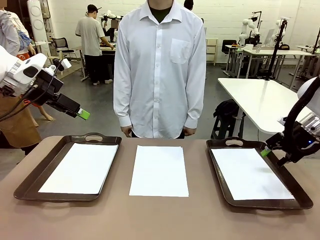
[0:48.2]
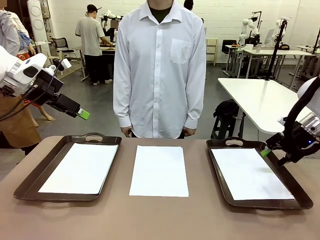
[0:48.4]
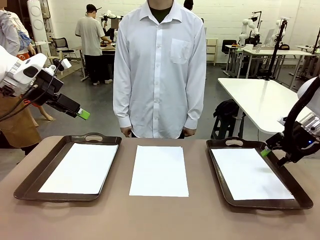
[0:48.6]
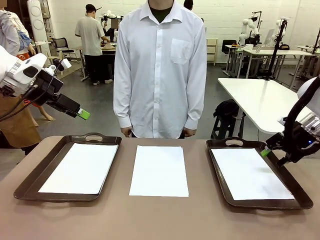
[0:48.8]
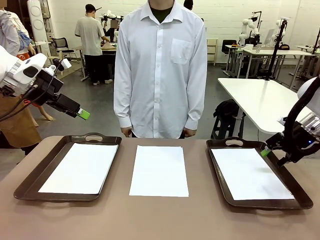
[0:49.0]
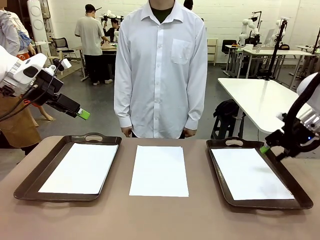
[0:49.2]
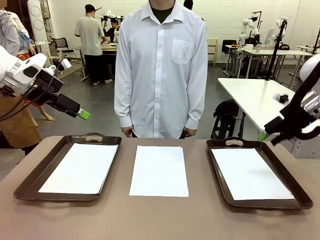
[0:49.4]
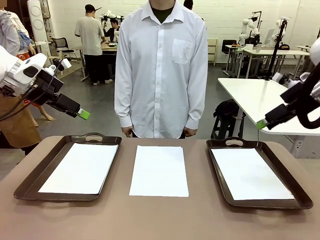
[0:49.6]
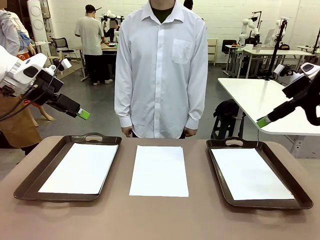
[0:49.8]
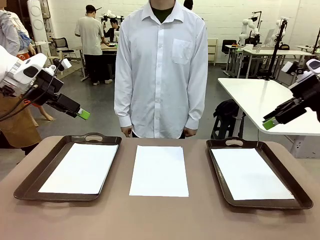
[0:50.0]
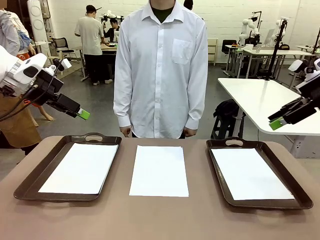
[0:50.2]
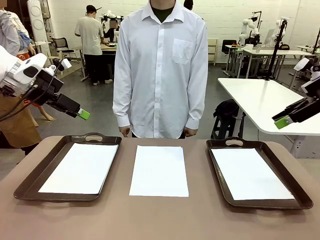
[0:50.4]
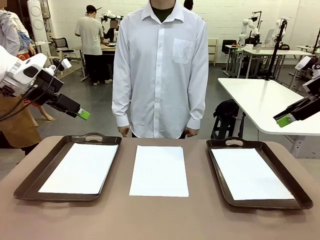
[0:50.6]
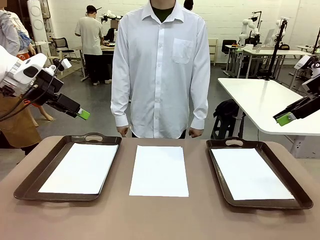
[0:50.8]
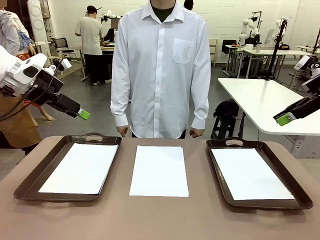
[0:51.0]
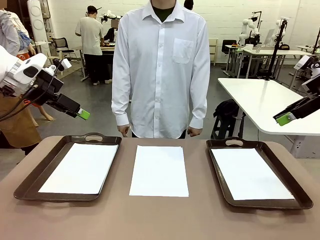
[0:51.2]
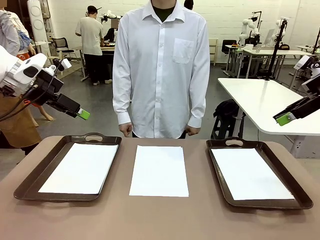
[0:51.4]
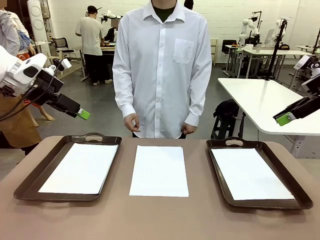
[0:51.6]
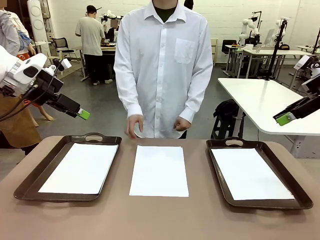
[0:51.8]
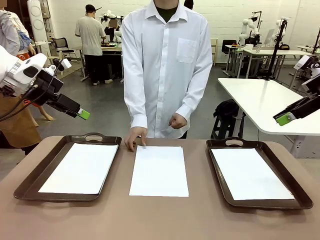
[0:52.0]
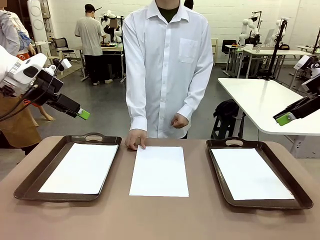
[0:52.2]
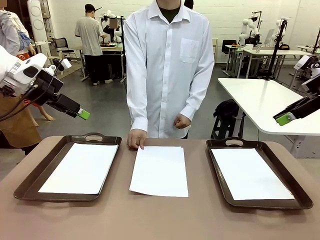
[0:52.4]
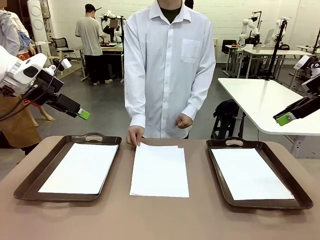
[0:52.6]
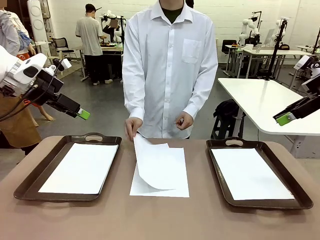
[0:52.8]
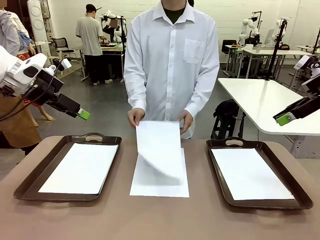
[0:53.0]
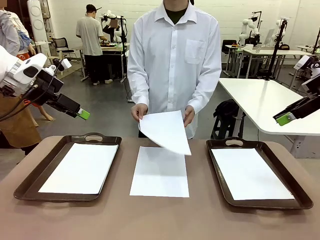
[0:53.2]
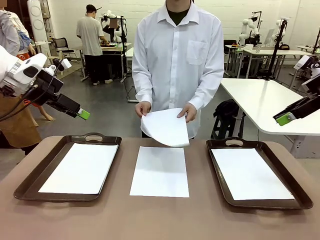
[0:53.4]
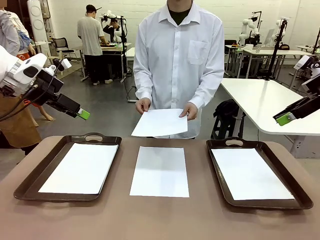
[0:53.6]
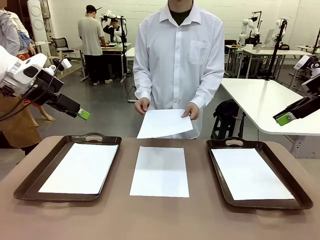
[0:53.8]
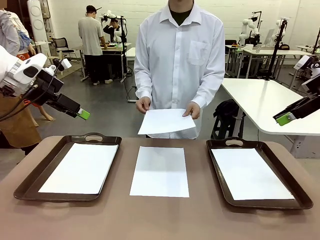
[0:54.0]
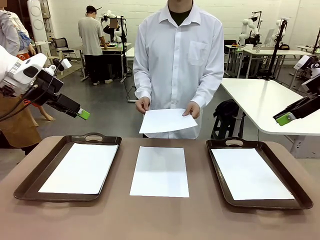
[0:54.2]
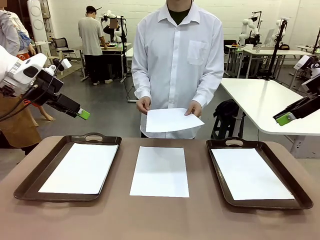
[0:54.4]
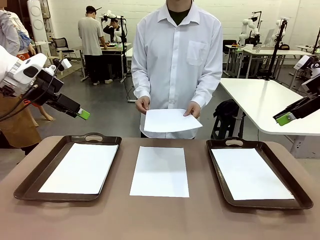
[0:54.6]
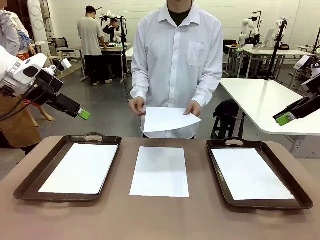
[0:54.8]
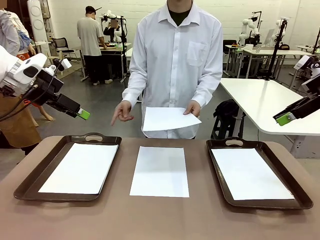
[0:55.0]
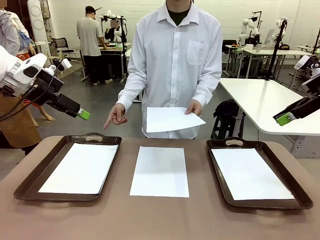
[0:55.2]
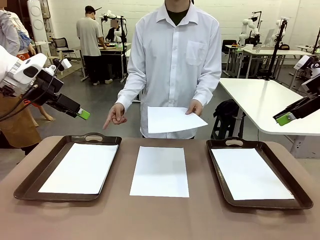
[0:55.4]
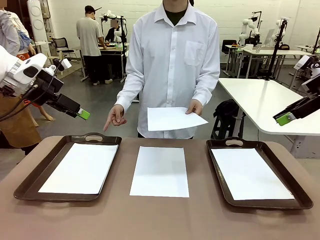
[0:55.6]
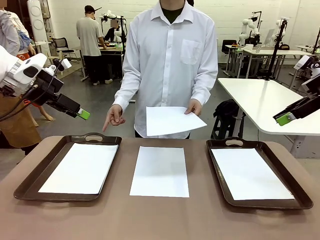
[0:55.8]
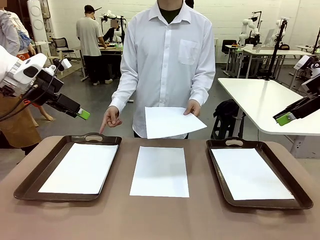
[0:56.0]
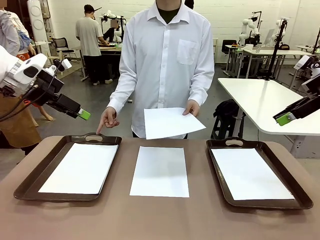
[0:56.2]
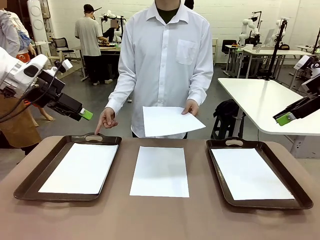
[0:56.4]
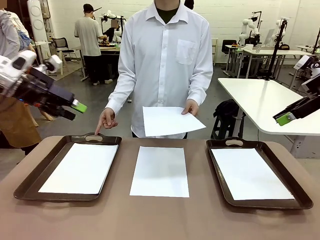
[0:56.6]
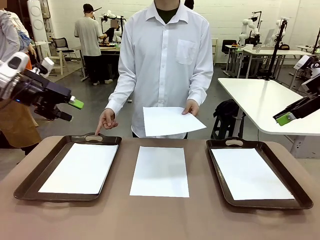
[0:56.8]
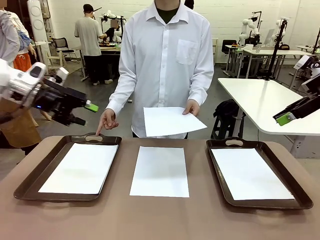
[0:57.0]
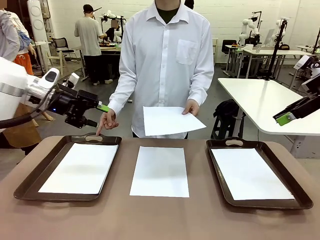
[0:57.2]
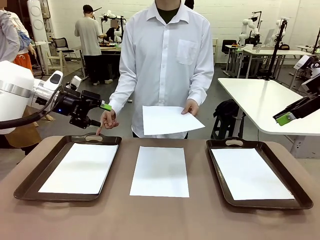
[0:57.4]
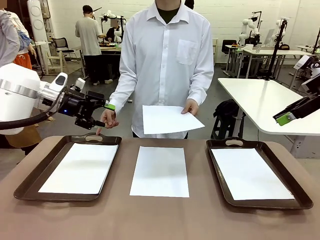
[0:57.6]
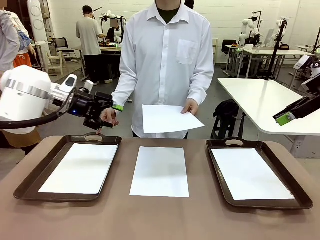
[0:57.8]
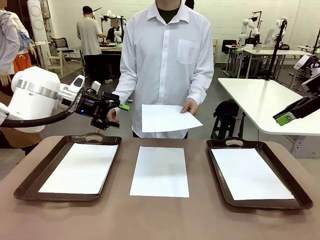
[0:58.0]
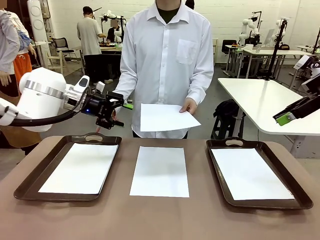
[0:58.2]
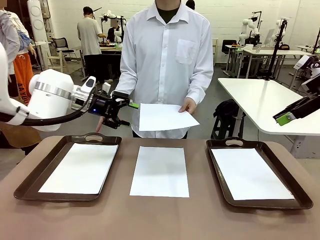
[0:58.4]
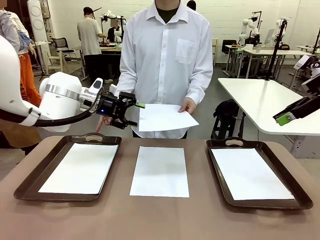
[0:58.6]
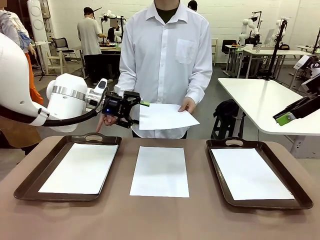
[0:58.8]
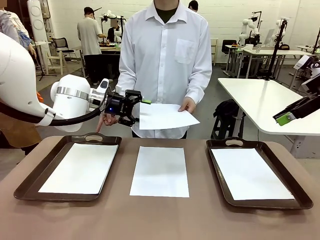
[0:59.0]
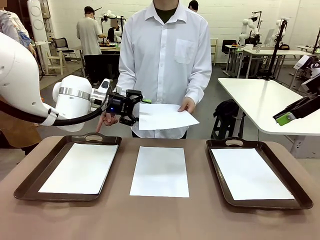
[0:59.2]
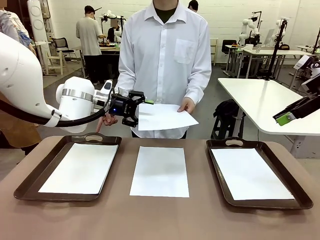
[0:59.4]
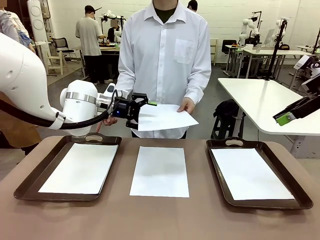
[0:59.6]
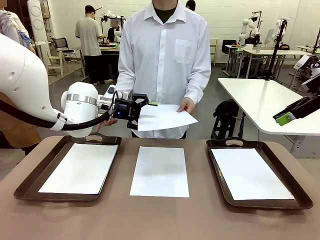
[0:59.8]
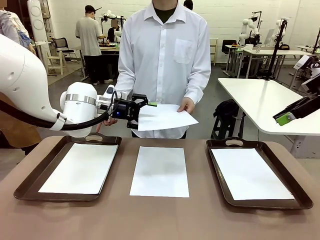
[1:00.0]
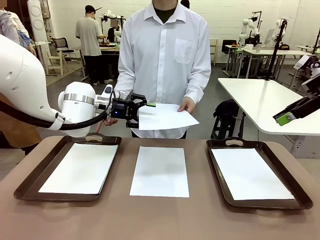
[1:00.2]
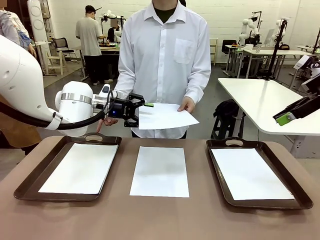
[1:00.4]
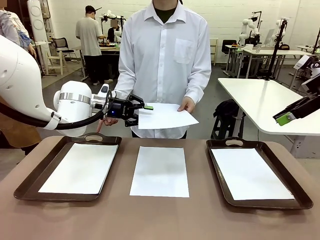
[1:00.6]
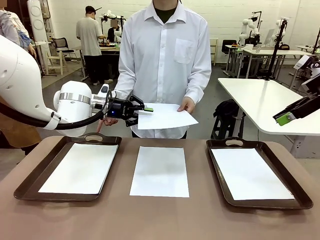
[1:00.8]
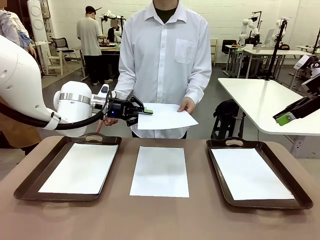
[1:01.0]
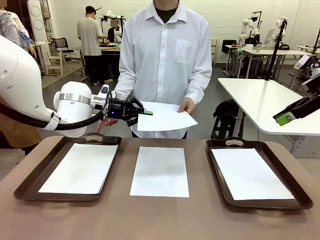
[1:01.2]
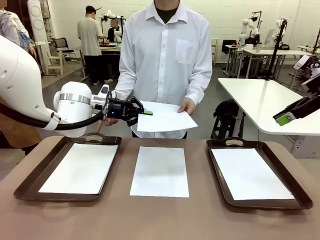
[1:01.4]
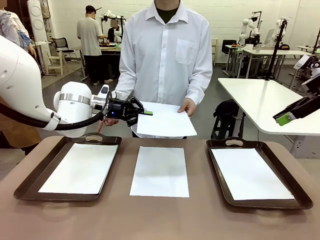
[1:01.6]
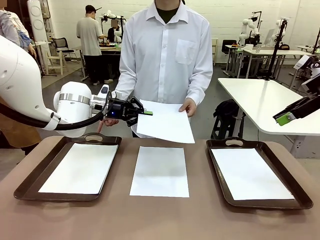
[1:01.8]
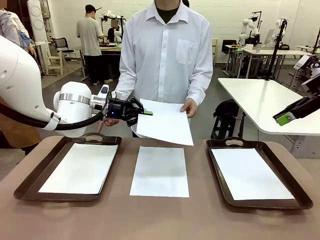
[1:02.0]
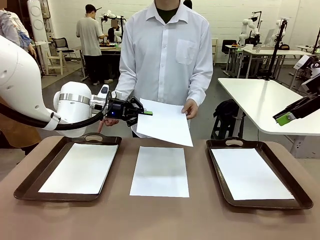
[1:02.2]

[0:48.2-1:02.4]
Task: Sort the A4 documents.
Robot: Receive the A4 Paper.
Person: Point the randomly selected tray with the other hand.

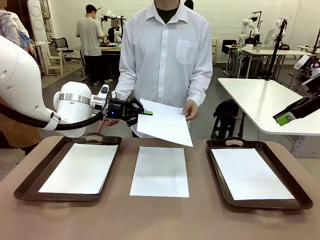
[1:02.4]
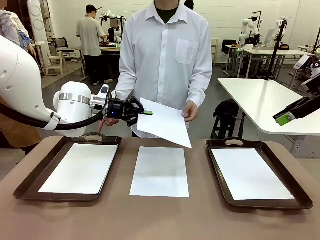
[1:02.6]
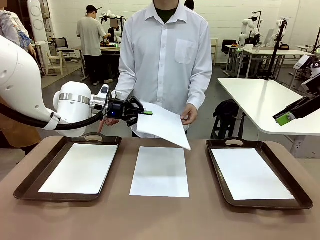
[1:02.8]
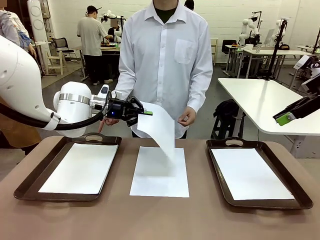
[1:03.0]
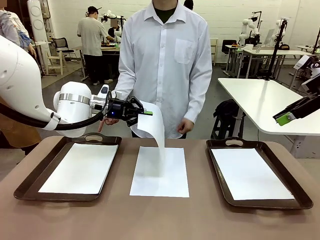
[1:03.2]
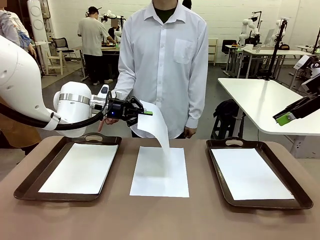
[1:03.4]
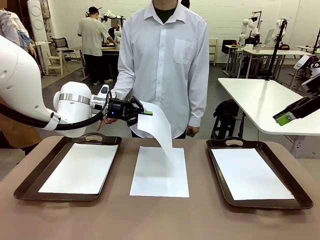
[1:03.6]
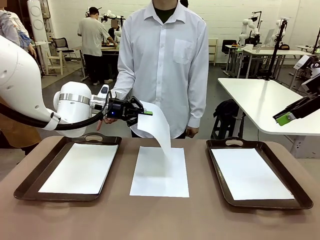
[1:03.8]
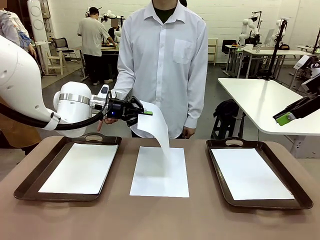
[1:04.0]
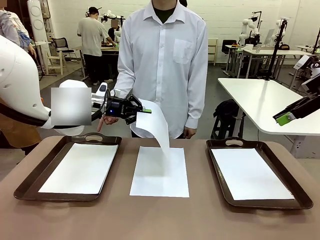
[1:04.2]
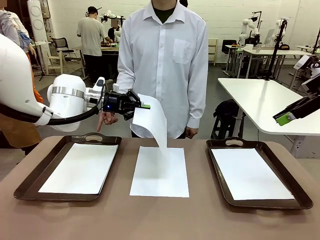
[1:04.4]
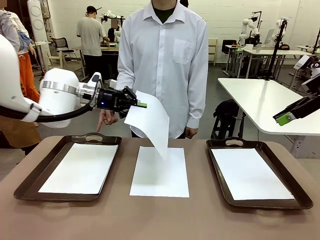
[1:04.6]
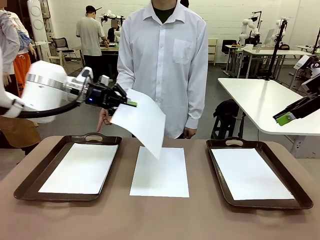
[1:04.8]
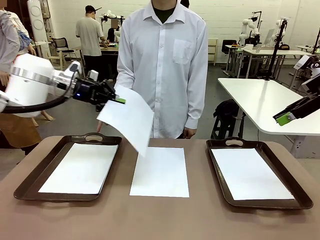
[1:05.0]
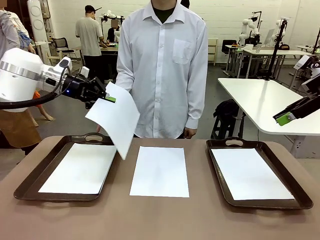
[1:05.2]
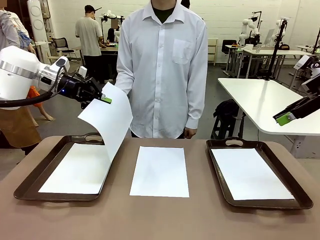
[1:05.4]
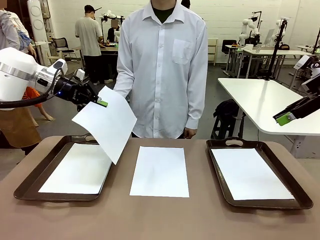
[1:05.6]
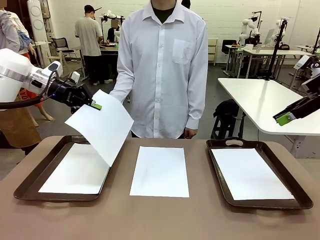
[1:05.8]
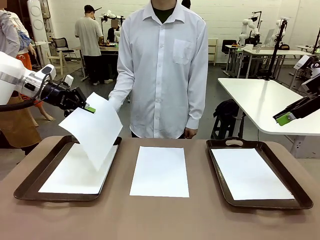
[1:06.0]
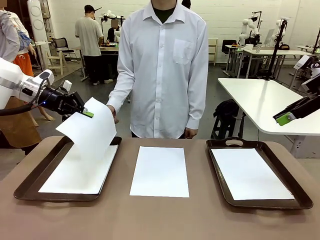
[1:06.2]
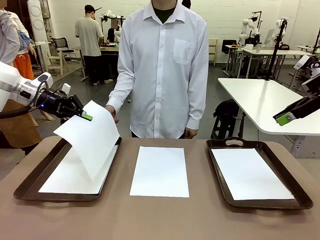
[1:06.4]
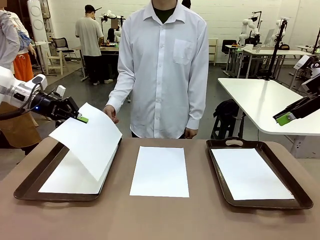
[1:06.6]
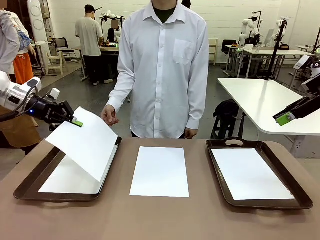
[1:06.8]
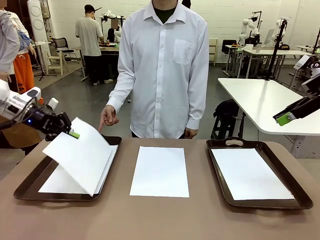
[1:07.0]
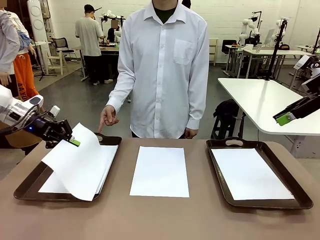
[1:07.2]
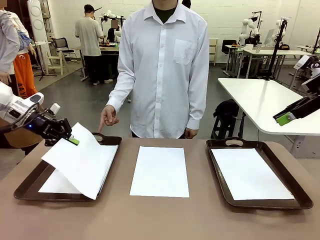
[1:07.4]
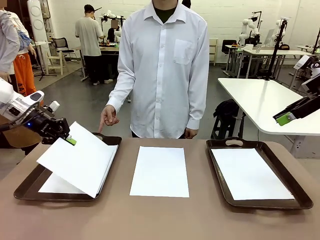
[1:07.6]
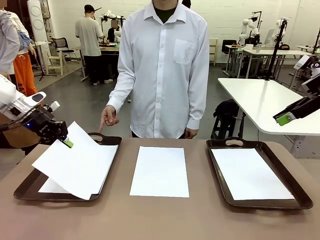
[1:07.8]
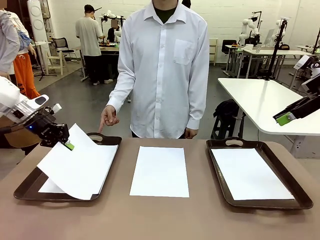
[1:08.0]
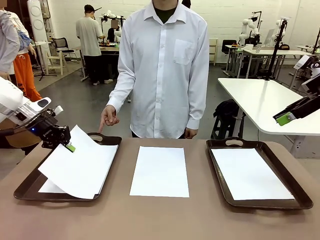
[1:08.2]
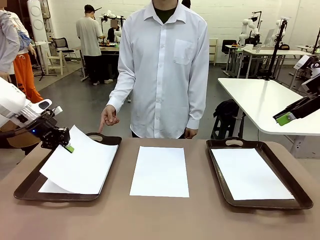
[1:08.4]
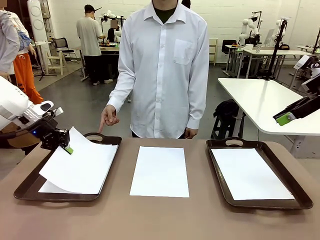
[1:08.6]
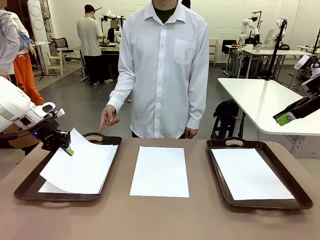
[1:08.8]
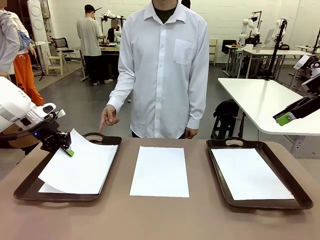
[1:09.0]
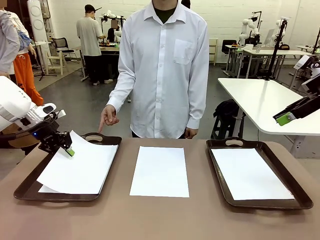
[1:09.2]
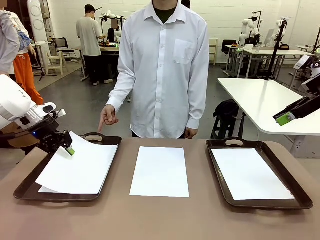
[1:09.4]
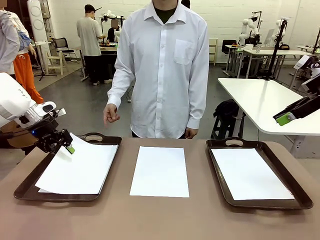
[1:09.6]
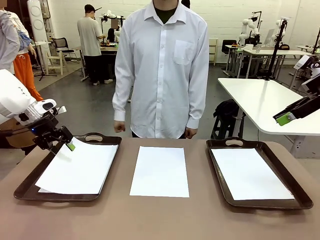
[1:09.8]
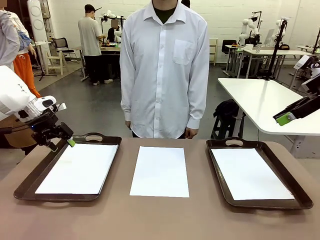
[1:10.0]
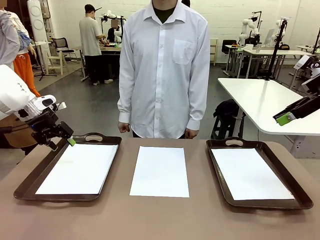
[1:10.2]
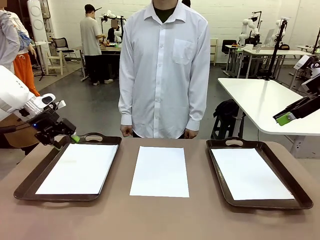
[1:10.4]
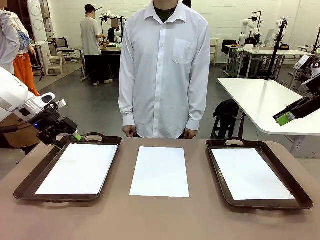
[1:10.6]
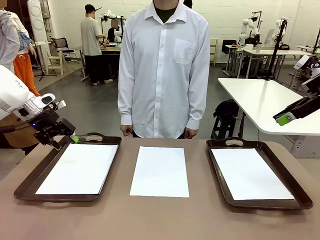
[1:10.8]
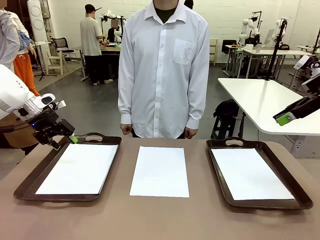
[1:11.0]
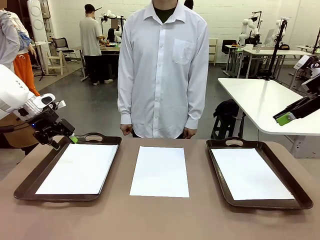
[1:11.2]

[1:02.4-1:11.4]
Robot: Place the A4 Paper in the designated Handle tray.
